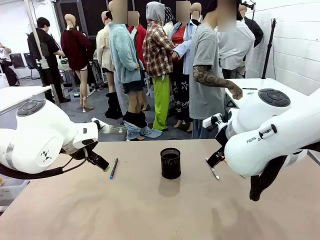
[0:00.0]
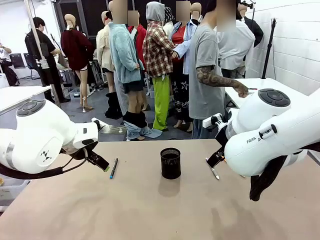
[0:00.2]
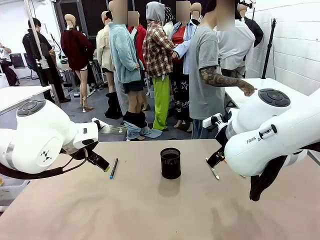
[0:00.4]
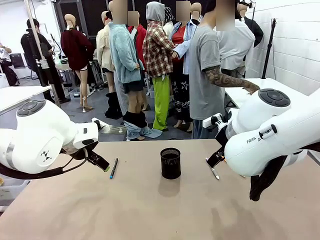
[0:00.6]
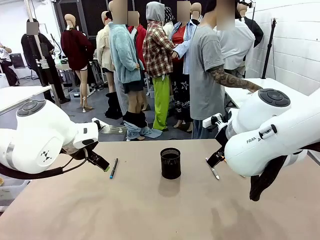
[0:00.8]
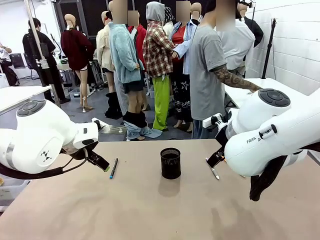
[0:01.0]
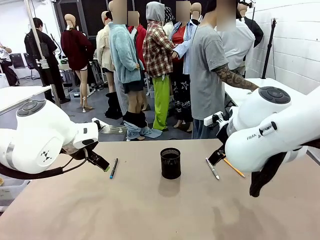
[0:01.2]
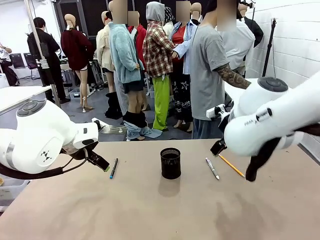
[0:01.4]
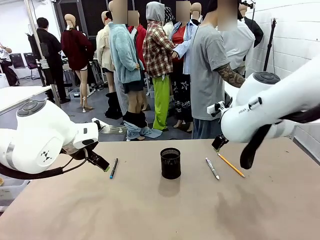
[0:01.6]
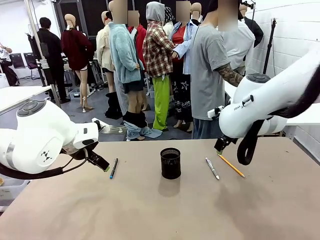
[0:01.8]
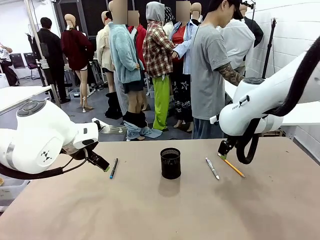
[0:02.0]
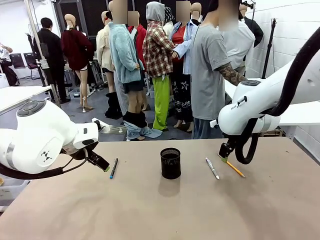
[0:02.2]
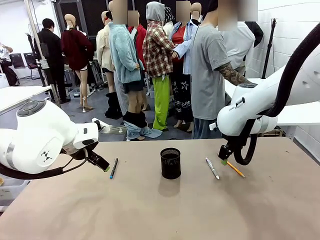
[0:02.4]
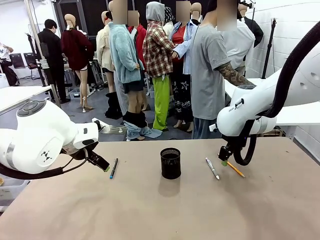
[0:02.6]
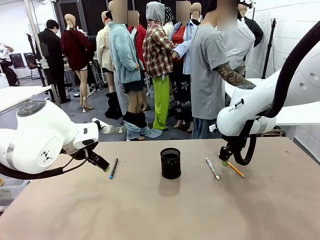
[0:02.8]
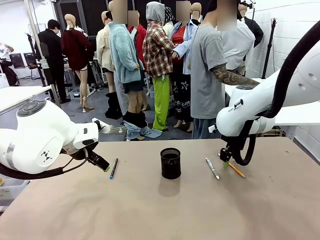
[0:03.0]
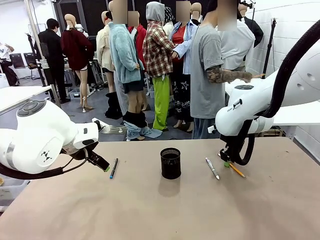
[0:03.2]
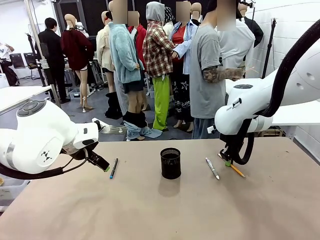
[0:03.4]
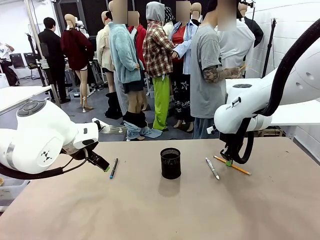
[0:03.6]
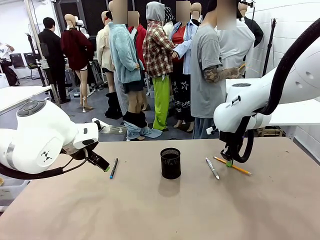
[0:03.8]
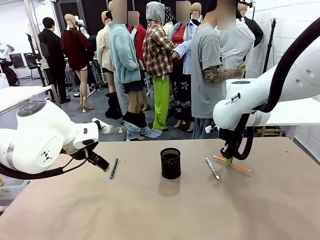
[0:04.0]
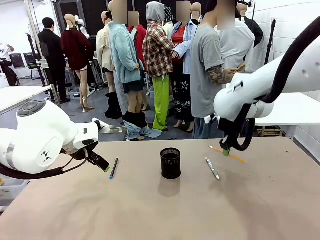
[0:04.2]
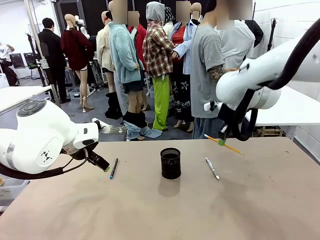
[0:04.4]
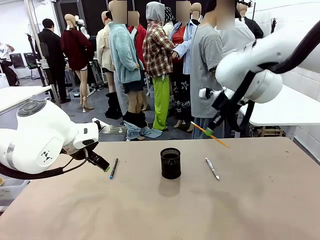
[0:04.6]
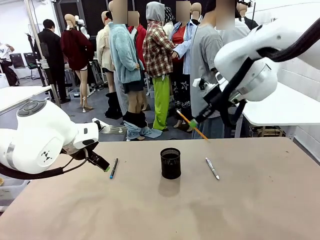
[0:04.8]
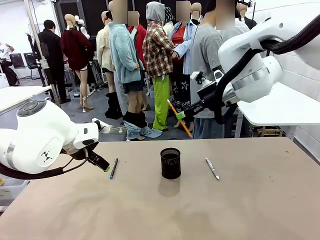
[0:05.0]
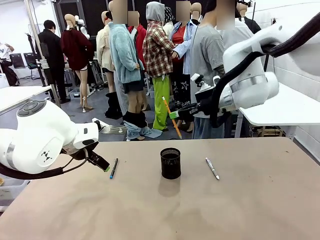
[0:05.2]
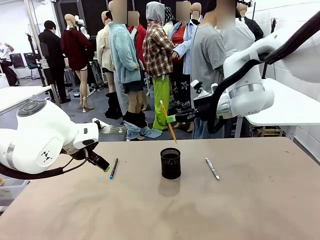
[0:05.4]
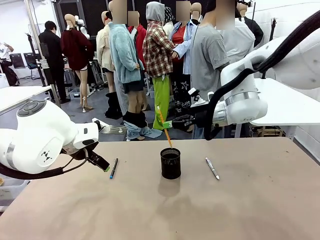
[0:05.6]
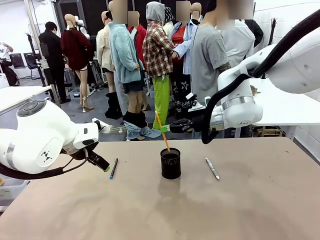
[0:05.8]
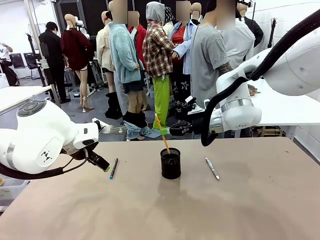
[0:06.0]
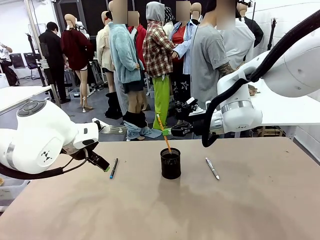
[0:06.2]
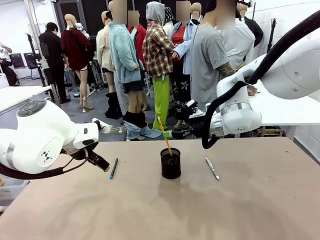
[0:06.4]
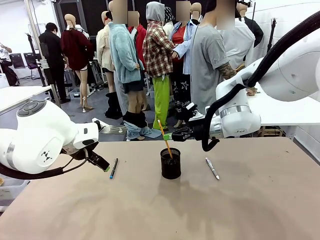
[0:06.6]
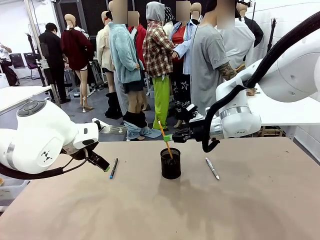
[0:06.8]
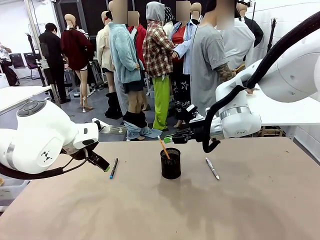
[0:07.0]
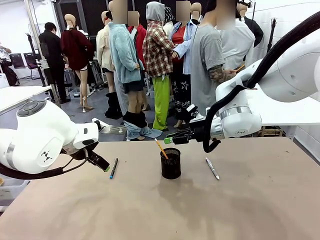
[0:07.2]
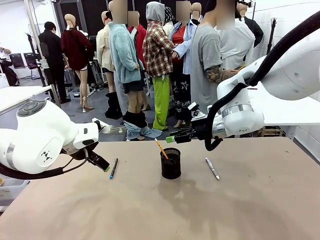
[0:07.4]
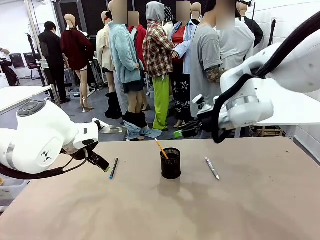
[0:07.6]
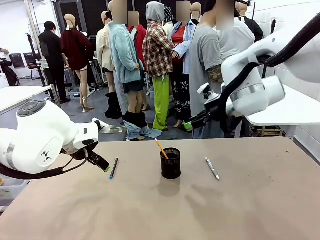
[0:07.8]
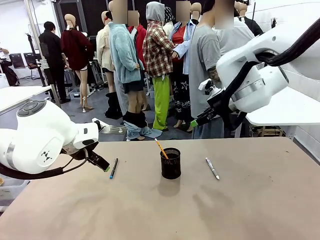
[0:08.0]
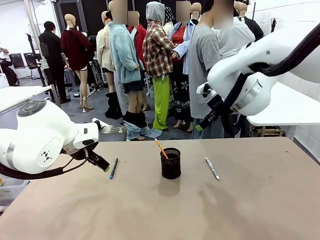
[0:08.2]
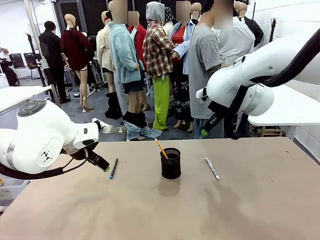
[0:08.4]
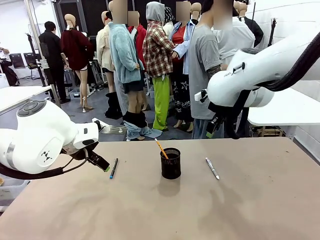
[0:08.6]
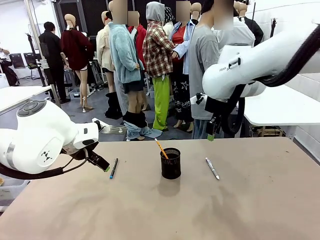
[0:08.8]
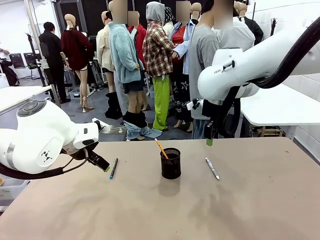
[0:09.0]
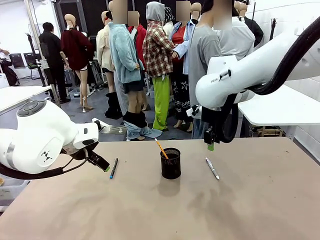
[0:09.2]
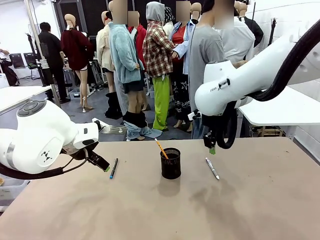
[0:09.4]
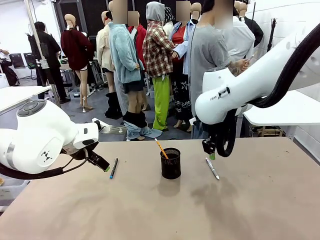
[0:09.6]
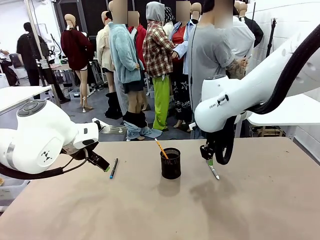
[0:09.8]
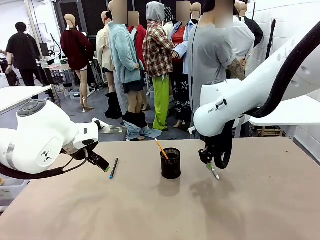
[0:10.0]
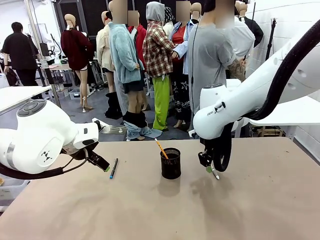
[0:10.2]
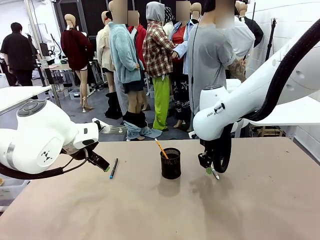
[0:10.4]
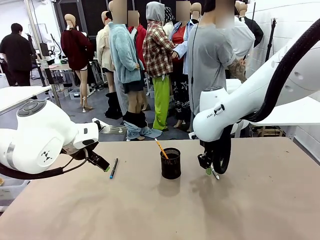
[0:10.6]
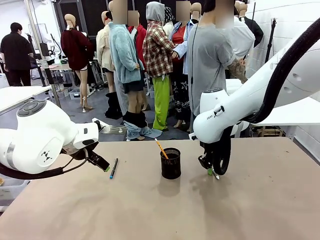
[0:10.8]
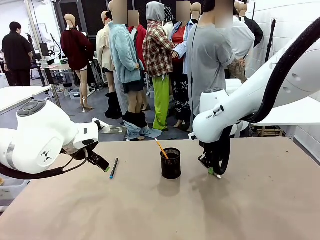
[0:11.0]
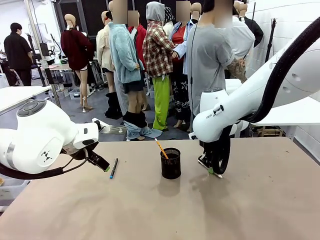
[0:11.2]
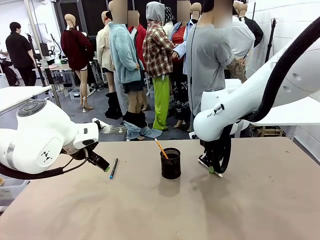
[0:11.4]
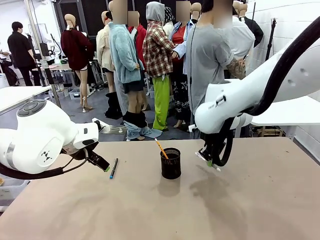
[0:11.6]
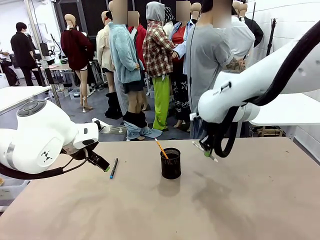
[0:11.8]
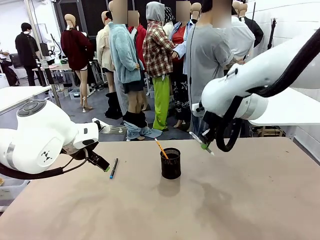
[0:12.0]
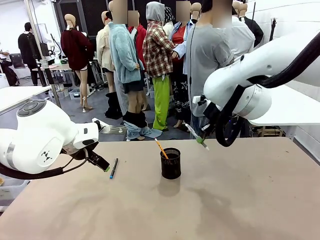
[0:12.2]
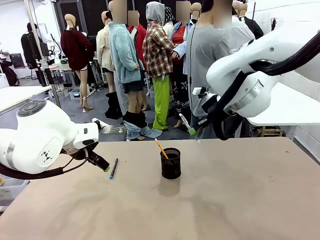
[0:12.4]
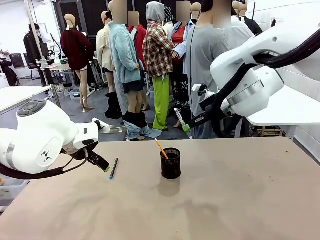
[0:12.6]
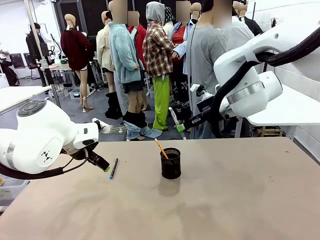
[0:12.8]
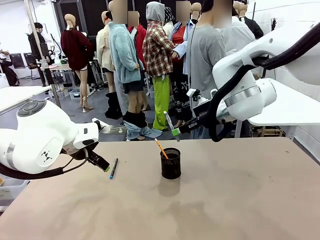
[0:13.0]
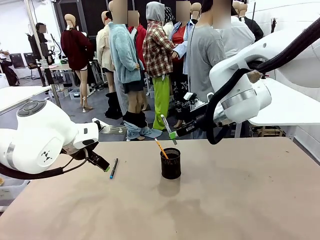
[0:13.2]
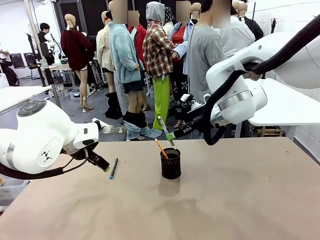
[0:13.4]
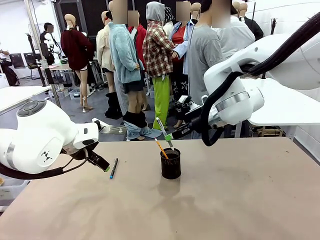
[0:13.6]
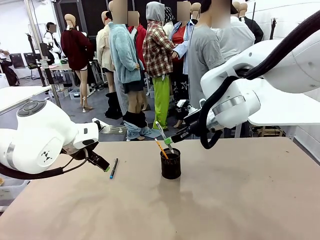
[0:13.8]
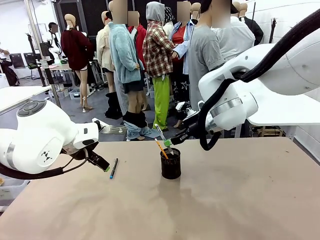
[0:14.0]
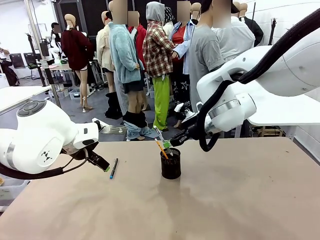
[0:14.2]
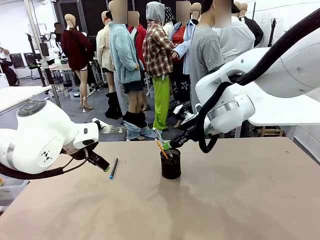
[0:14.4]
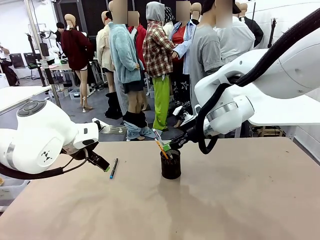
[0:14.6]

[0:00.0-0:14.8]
Task: Place the pens into the pen holder.
Robot: Pick up a writing instrument from the table and place it into the Pen holder.
Person: Pick up all writing instruments from the Human table.
